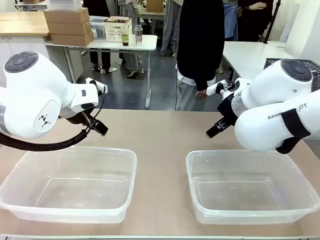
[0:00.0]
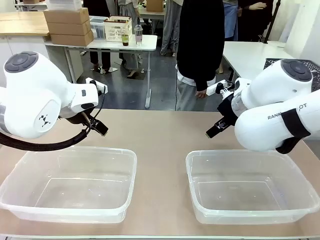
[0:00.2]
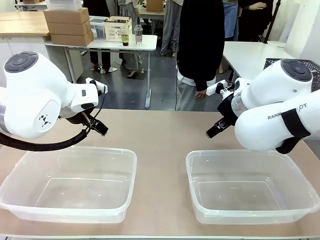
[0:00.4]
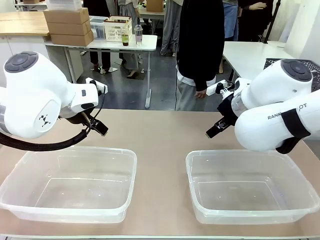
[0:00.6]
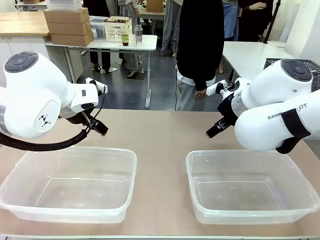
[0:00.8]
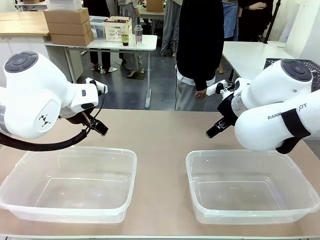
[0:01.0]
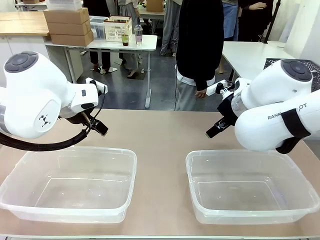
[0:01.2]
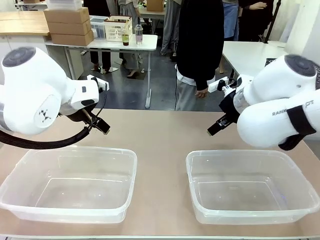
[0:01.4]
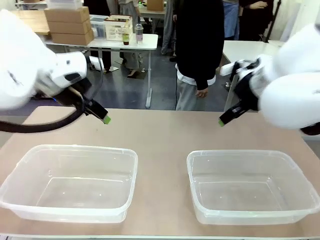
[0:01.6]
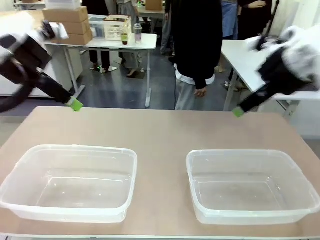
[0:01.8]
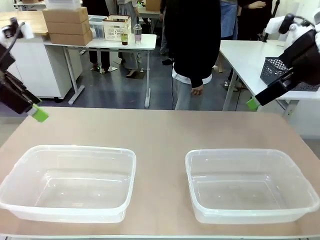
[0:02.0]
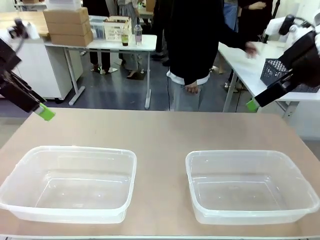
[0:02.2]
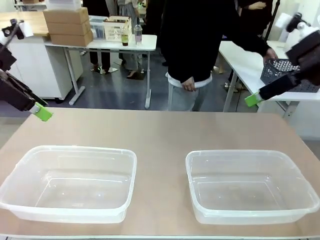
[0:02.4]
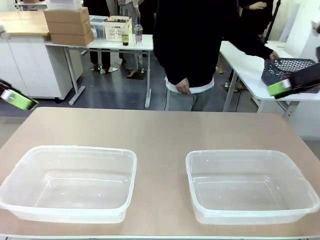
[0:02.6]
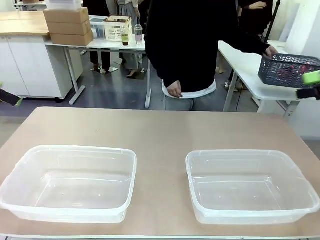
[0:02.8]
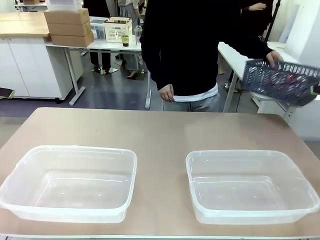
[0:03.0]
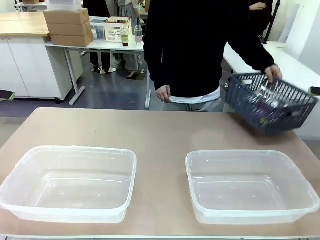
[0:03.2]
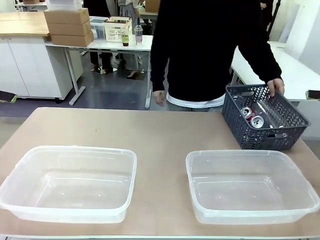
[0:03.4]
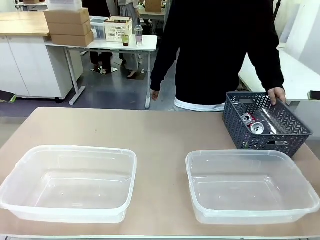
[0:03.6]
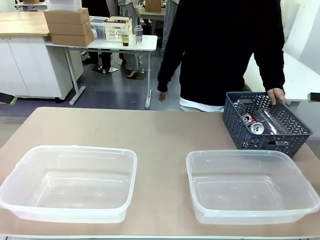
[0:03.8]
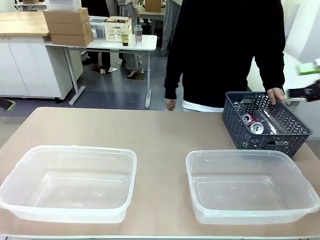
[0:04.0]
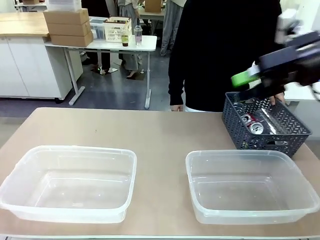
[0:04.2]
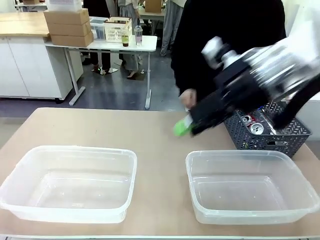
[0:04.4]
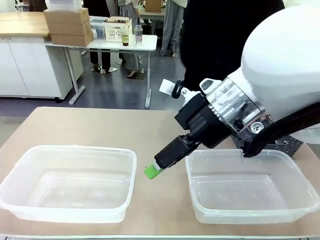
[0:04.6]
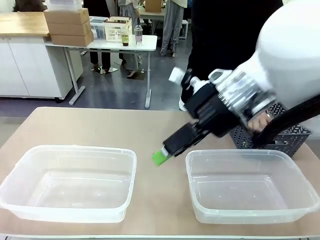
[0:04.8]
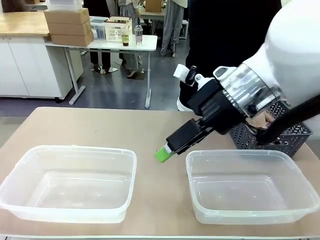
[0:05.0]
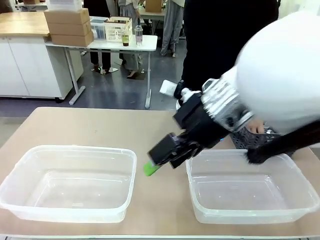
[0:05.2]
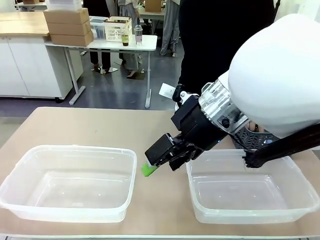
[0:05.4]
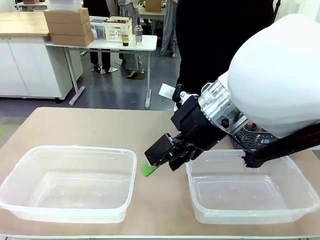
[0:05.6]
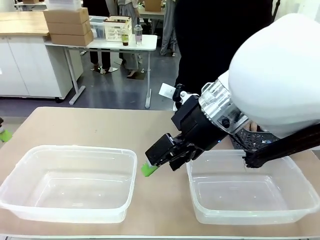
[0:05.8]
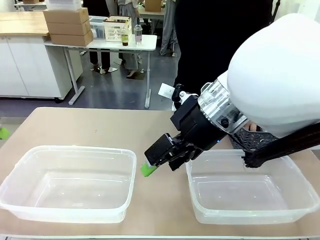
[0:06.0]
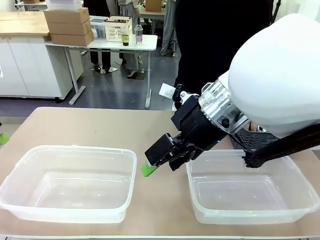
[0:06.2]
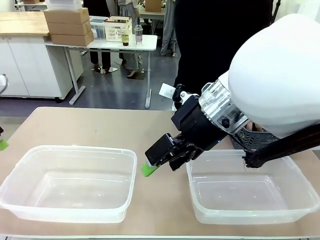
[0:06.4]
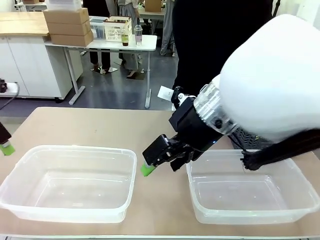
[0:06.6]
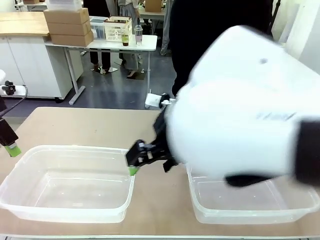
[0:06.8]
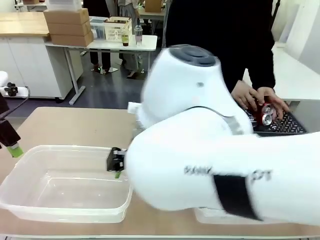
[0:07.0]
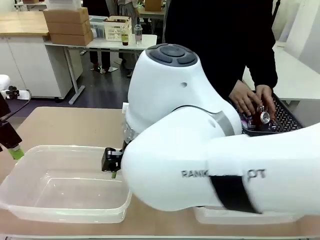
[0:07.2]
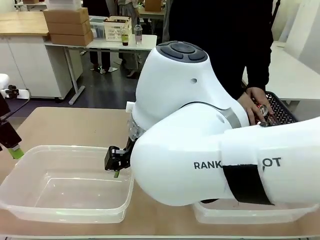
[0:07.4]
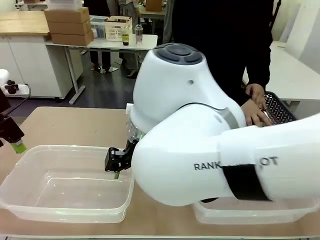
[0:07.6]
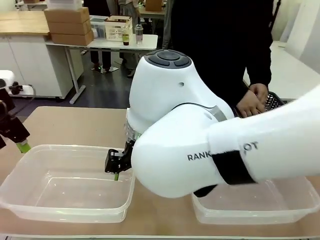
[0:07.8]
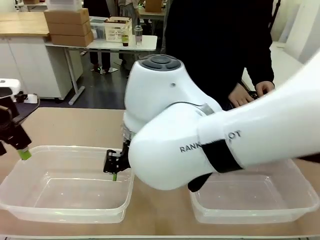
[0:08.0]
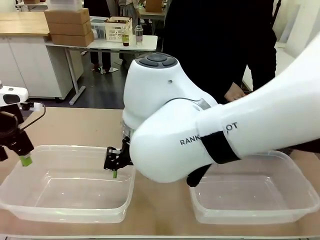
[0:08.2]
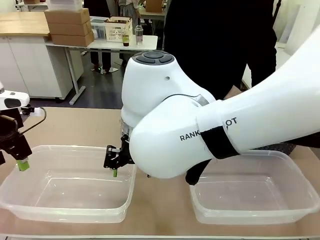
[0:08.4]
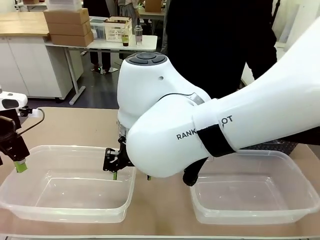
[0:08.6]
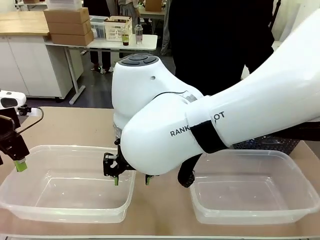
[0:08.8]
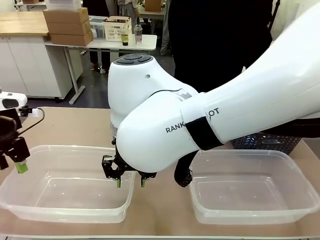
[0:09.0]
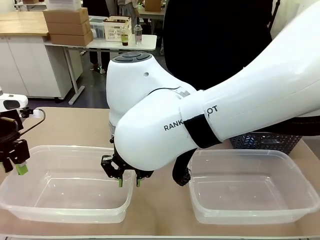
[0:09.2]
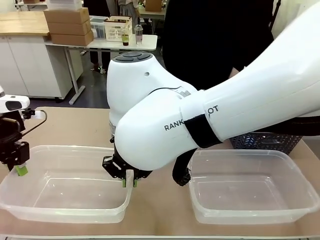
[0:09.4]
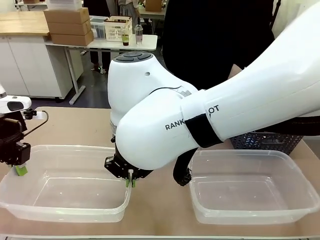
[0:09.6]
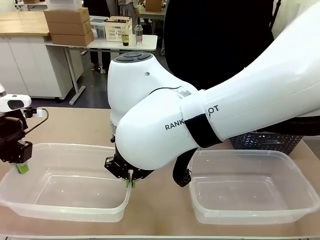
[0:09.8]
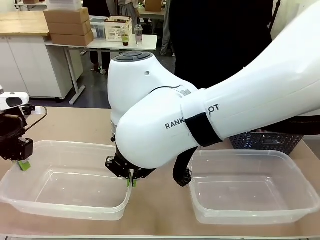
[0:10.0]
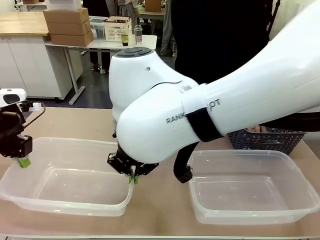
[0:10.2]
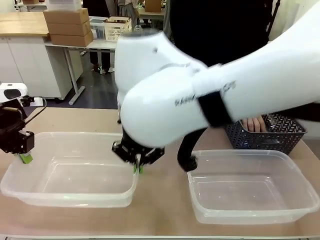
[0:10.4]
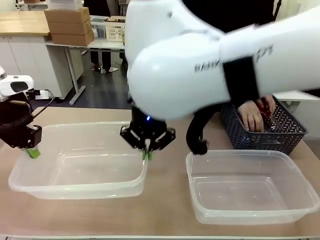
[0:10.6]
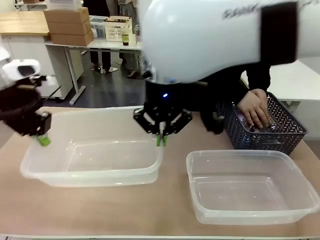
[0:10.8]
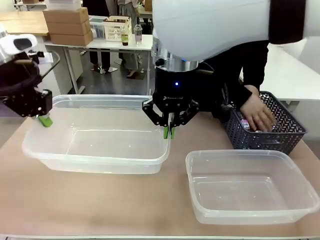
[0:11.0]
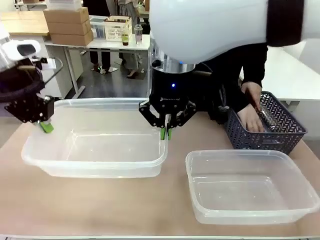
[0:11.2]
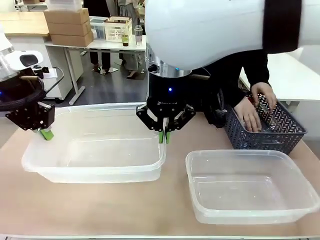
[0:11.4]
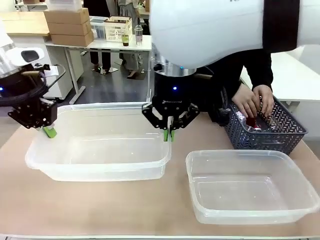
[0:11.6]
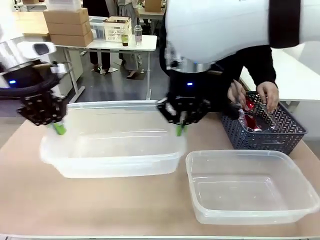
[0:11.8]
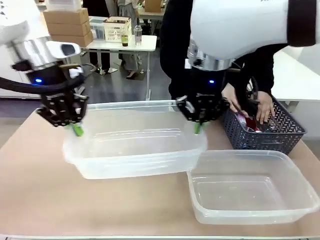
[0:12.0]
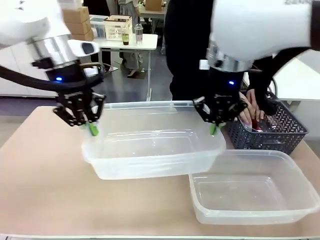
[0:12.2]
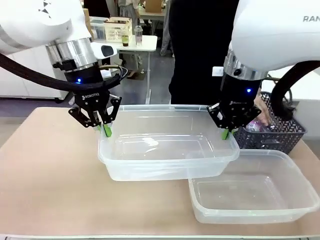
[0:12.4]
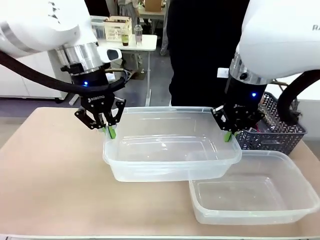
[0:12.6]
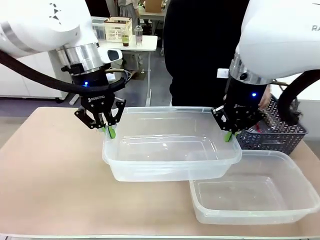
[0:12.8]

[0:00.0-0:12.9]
Robot: Pick up the Organizing box on the left side of the table and lift it.
Person: Pick up the storage basket and place it on the left side of the robot table. Pick up can-shaped waste one by one and place it into the organizing box lifted by the robot.

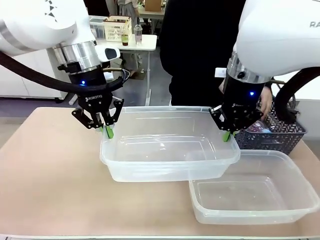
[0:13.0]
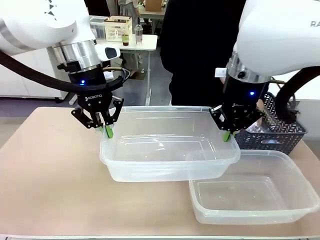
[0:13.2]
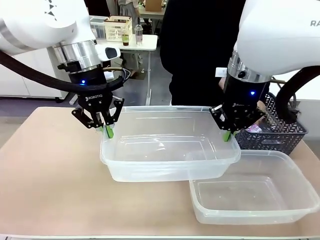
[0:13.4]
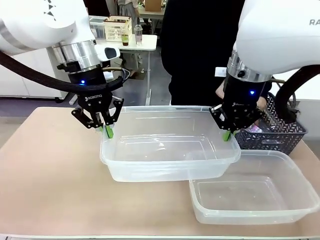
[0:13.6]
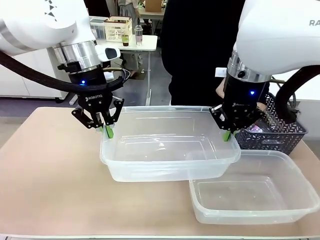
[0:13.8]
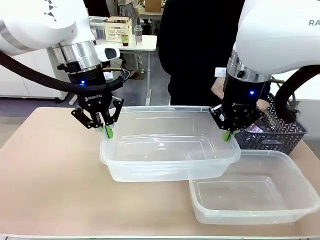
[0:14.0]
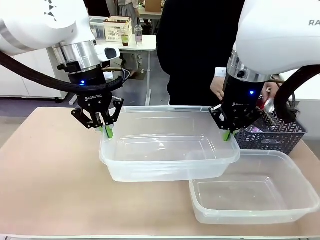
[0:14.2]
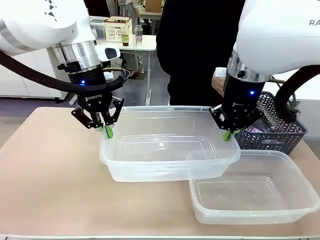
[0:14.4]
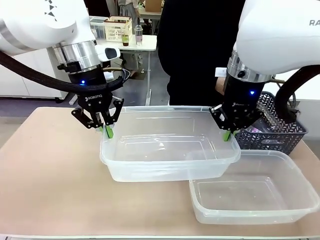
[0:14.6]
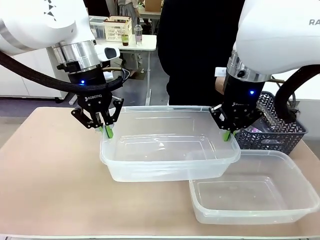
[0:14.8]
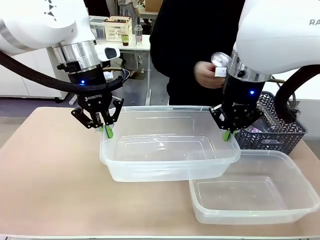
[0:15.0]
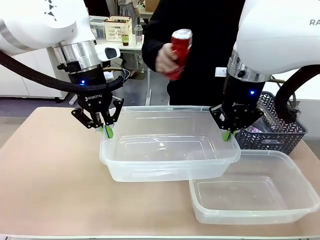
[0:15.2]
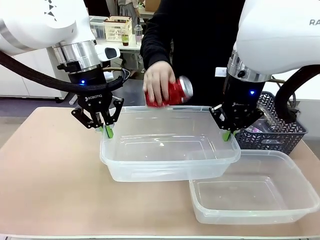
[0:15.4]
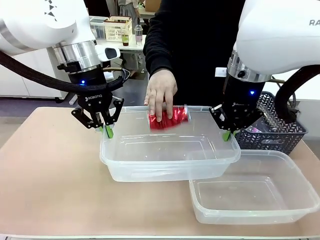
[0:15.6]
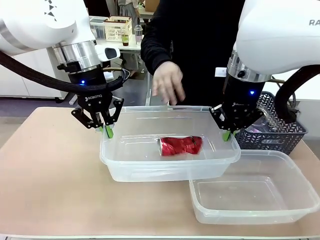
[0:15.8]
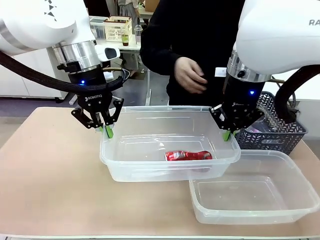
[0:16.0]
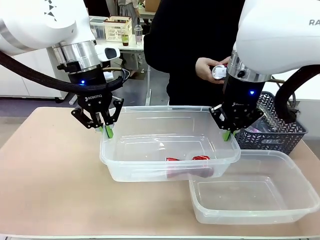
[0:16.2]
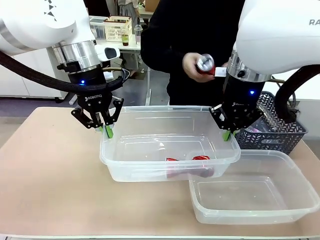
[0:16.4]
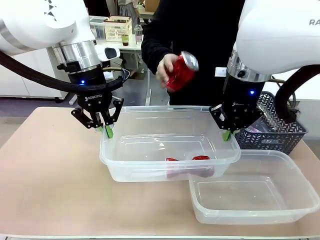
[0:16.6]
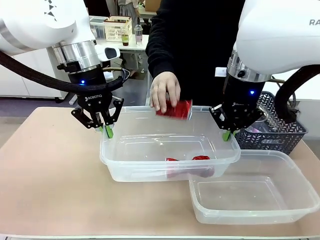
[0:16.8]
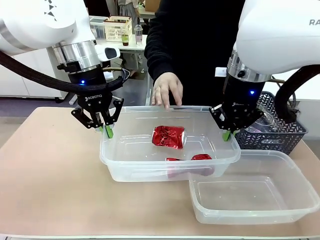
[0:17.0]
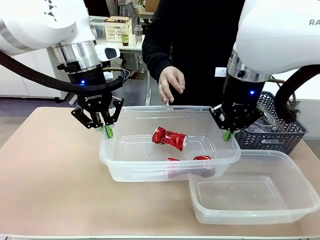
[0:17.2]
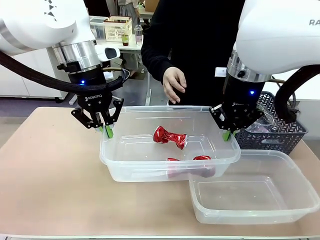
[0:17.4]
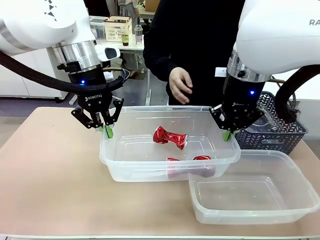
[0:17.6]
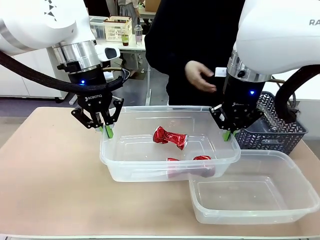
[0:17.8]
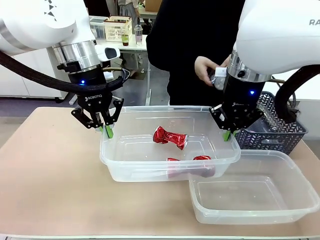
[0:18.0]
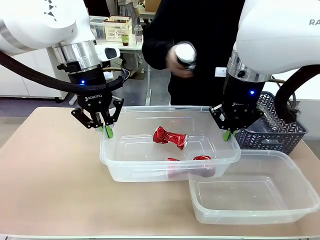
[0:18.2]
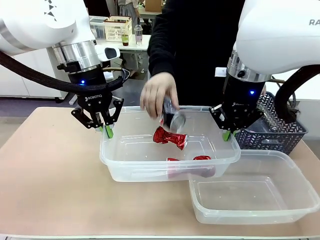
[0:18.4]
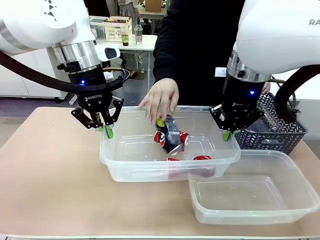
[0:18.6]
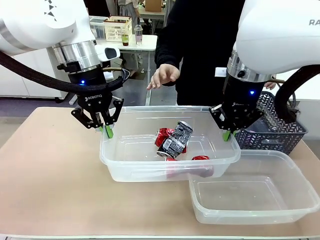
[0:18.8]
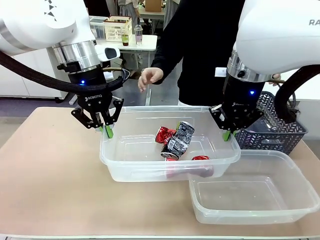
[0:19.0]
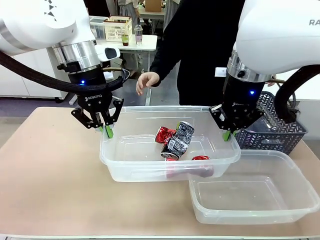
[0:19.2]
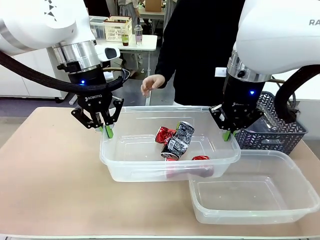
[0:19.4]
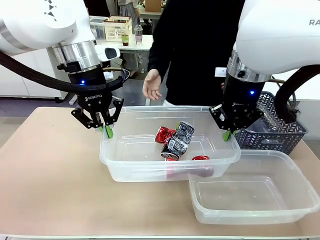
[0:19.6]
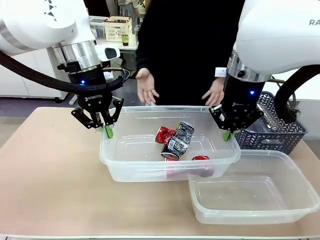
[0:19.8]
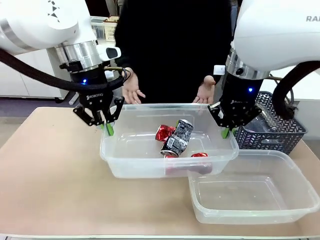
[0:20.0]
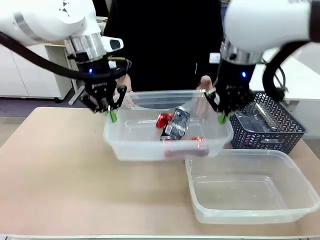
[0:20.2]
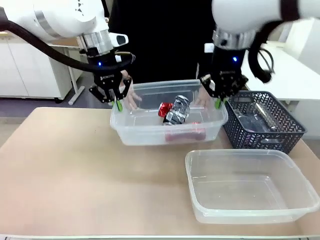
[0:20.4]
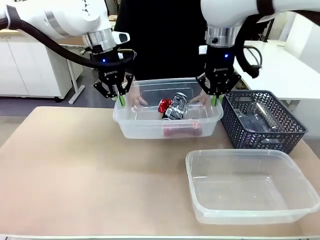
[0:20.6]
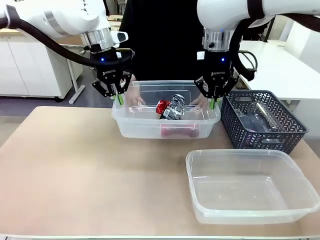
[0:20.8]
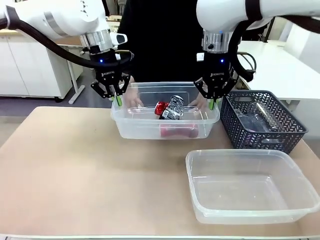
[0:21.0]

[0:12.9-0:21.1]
Robot: Offer the picked Organizing box to the human.

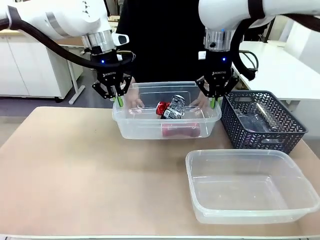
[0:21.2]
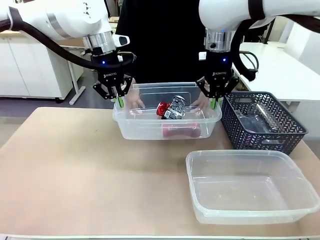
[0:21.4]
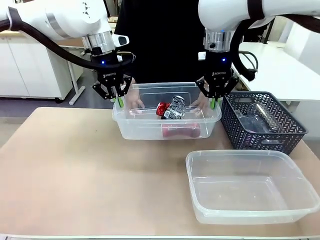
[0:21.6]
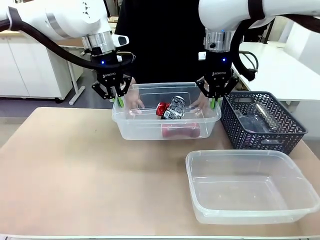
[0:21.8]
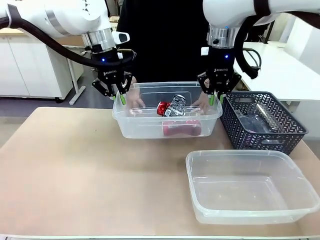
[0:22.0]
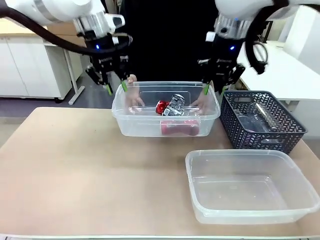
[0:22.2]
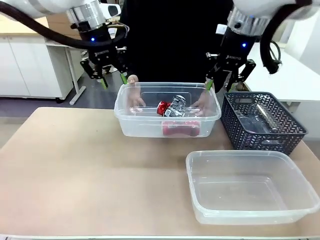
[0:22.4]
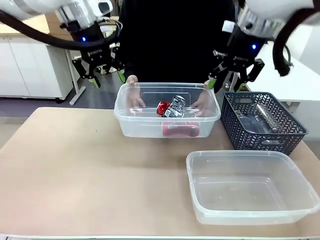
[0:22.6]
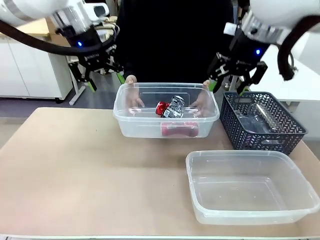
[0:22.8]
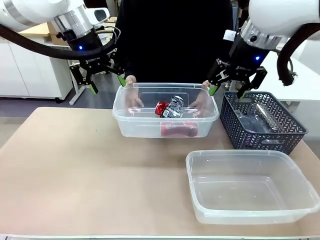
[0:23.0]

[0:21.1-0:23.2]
Robot: Release the Organizing box you were holding.
